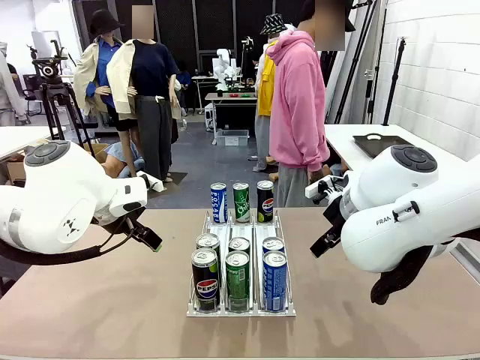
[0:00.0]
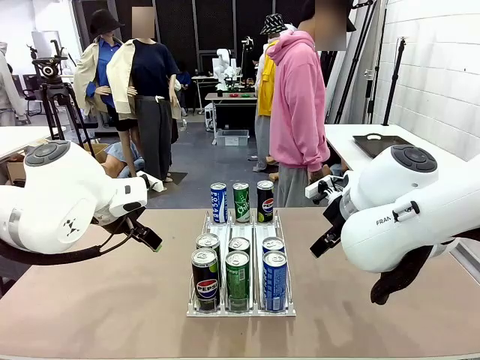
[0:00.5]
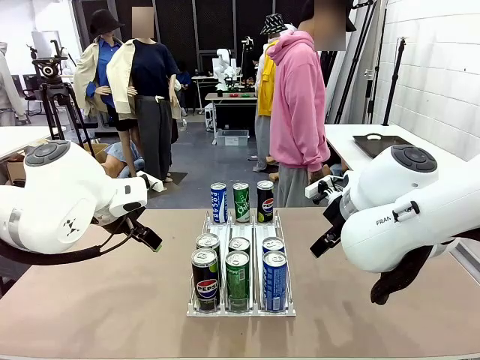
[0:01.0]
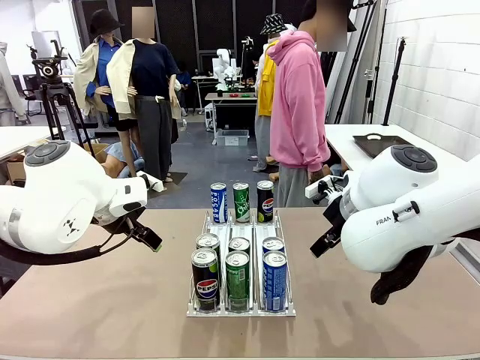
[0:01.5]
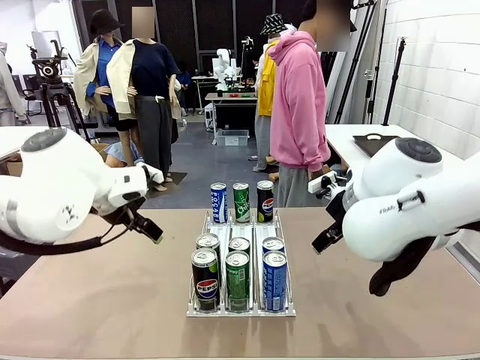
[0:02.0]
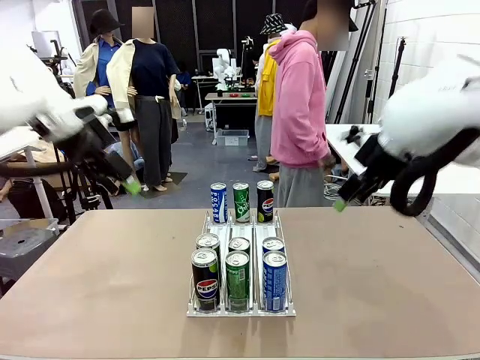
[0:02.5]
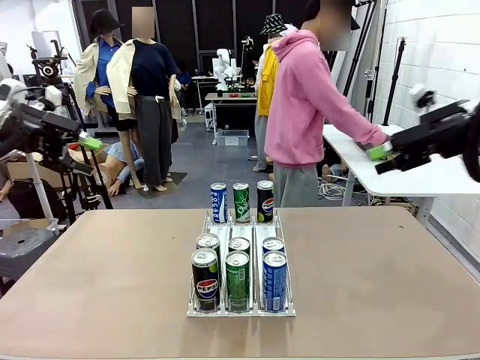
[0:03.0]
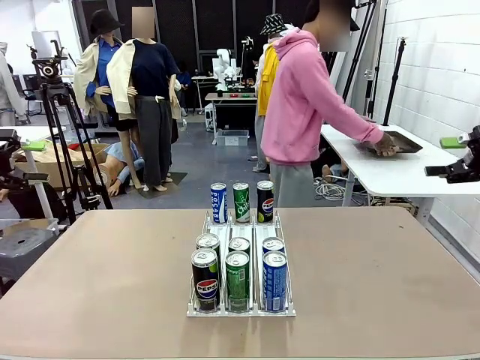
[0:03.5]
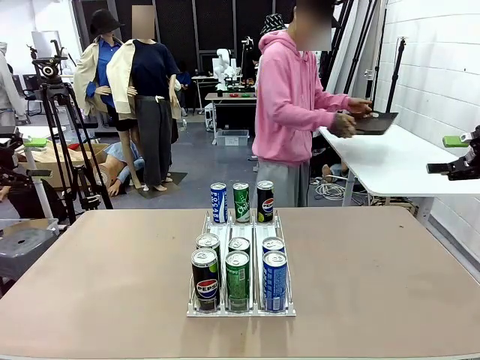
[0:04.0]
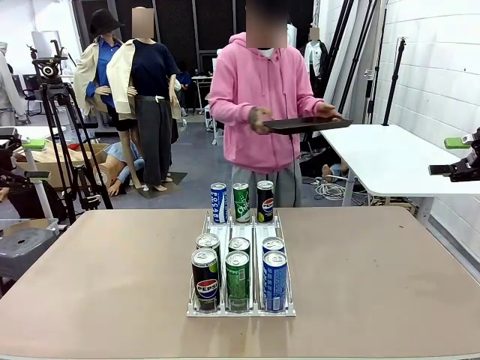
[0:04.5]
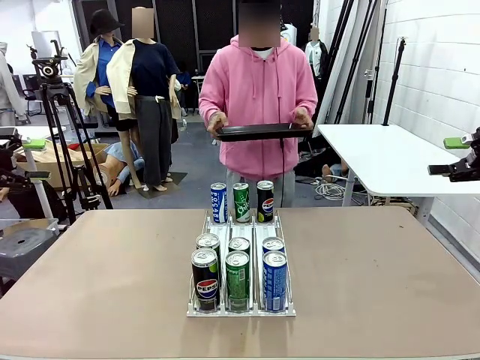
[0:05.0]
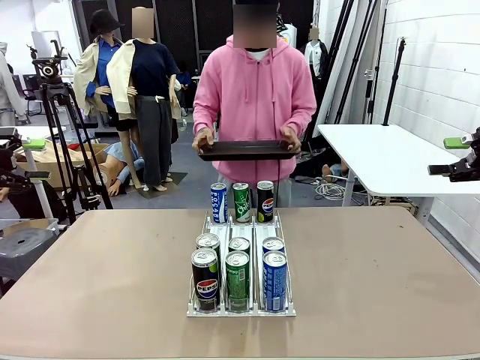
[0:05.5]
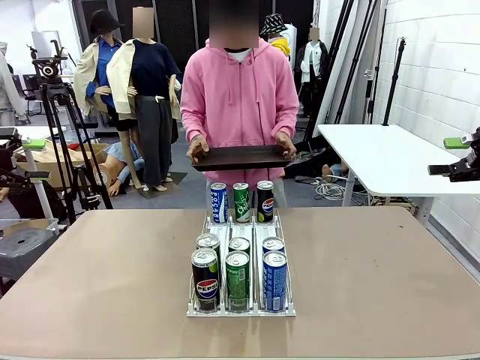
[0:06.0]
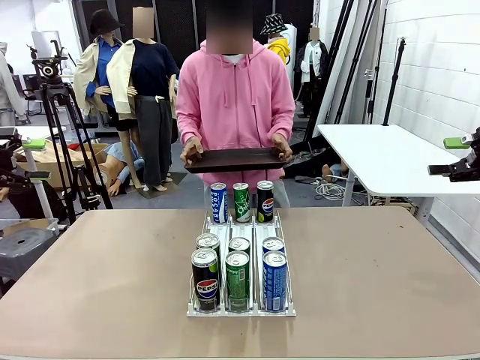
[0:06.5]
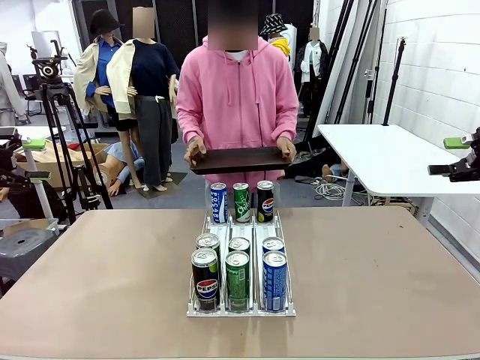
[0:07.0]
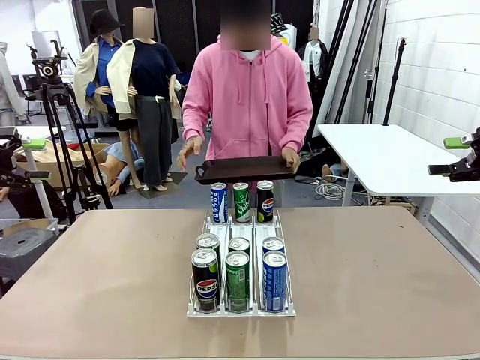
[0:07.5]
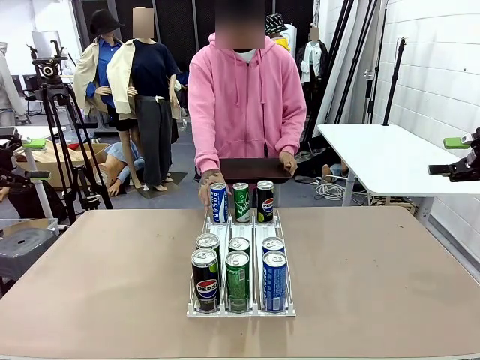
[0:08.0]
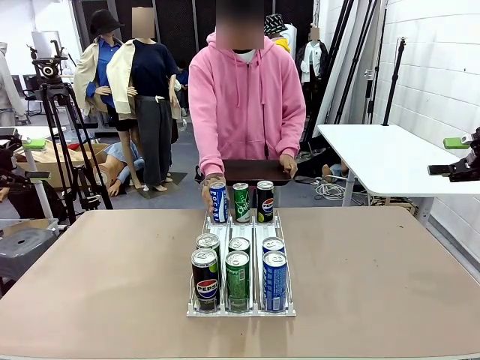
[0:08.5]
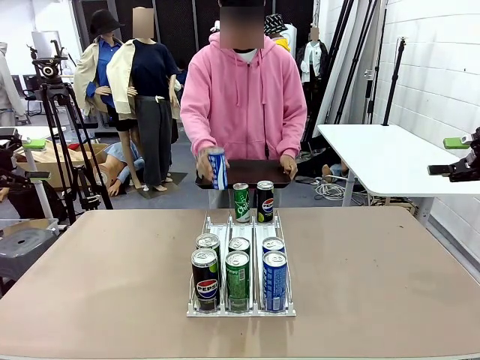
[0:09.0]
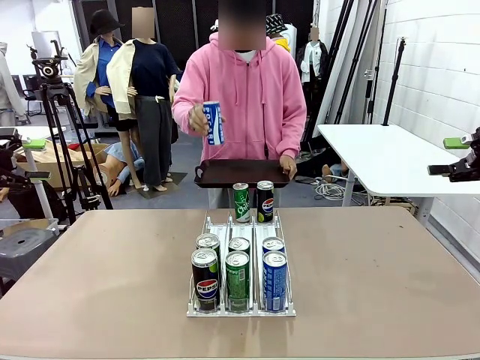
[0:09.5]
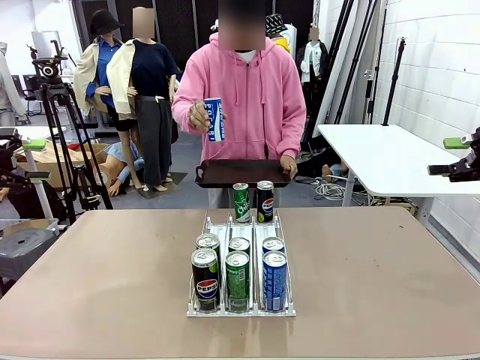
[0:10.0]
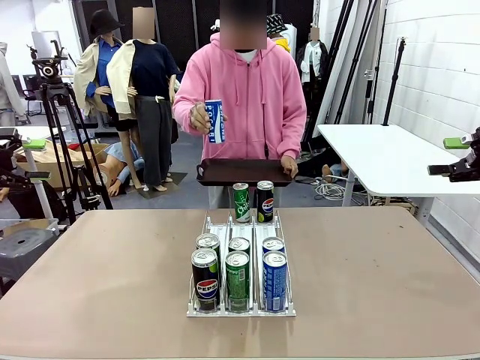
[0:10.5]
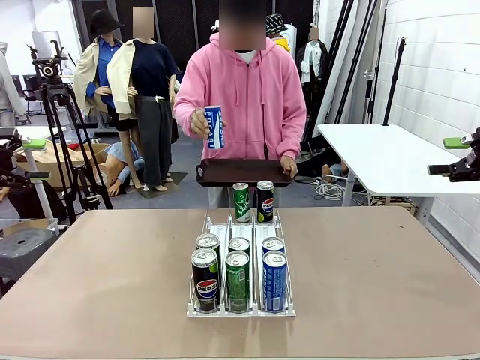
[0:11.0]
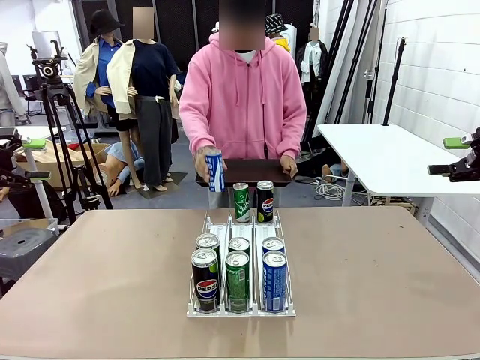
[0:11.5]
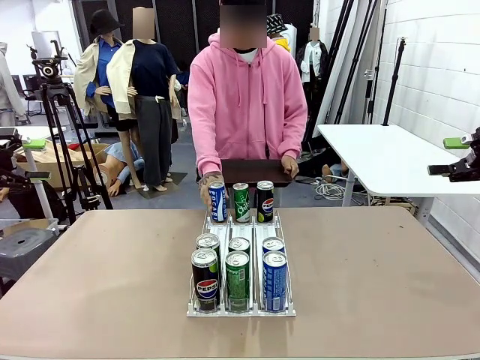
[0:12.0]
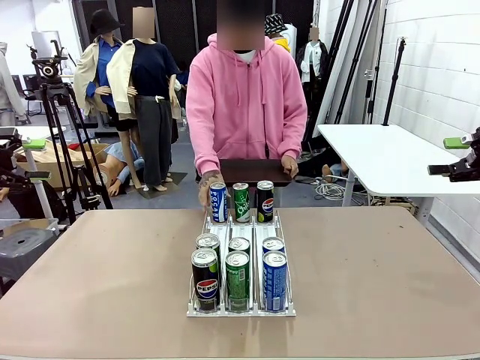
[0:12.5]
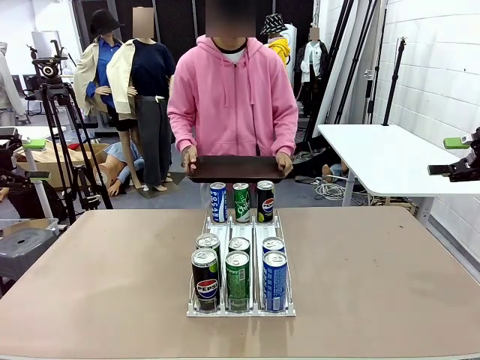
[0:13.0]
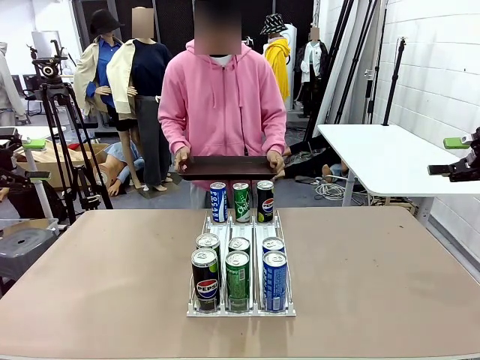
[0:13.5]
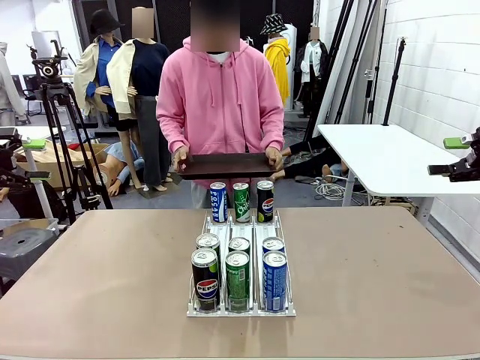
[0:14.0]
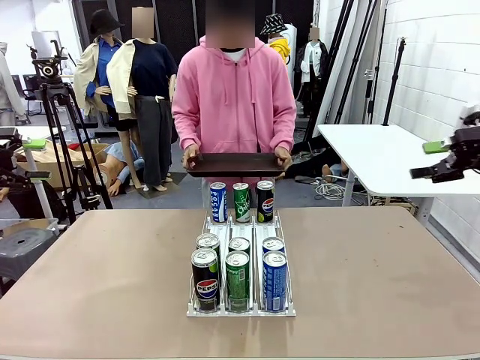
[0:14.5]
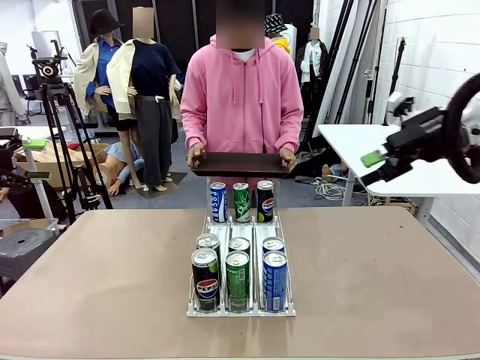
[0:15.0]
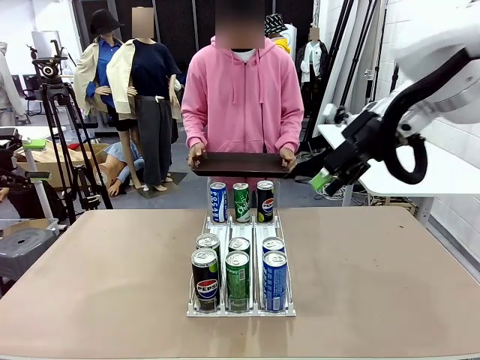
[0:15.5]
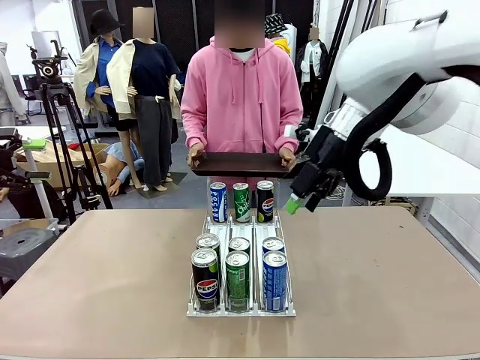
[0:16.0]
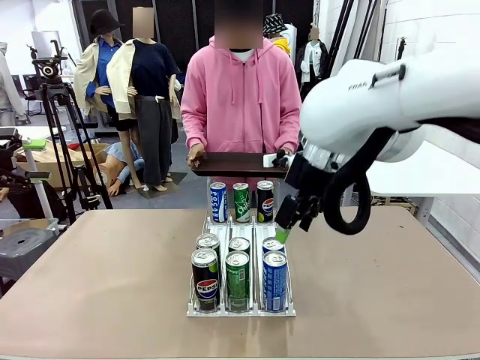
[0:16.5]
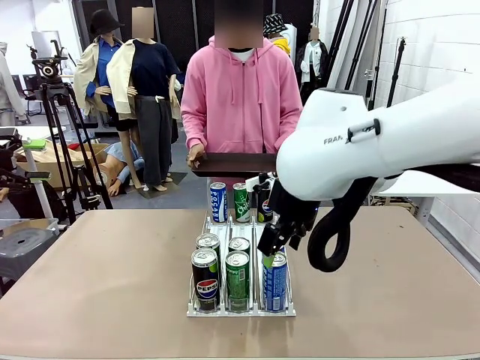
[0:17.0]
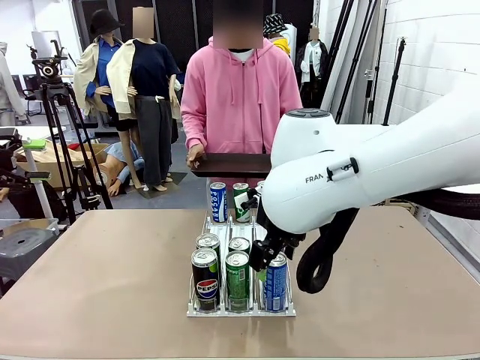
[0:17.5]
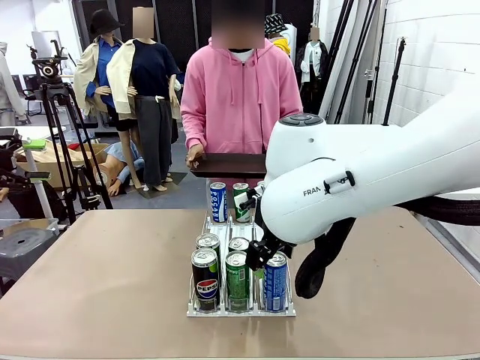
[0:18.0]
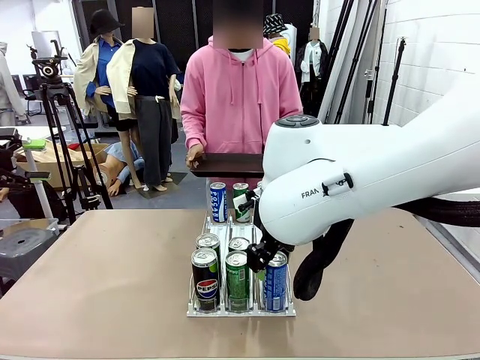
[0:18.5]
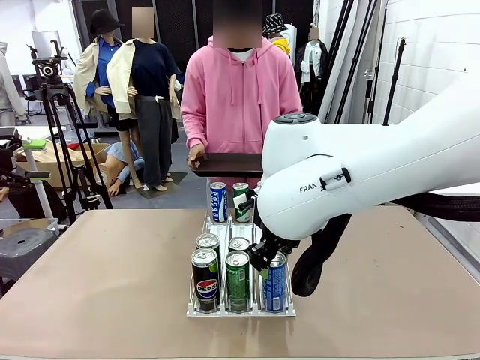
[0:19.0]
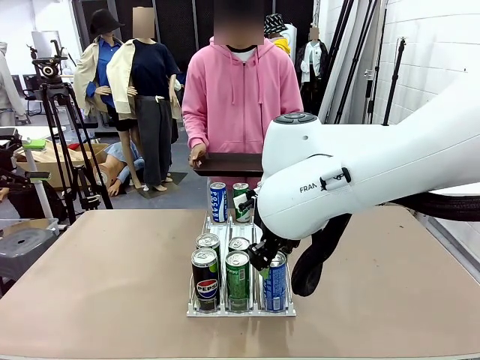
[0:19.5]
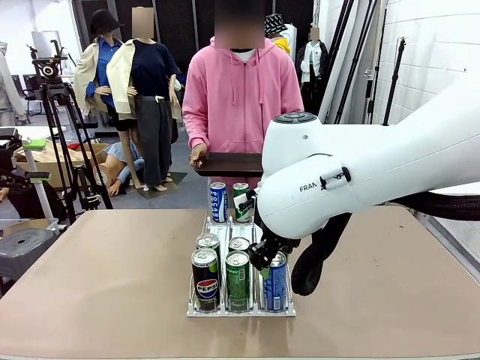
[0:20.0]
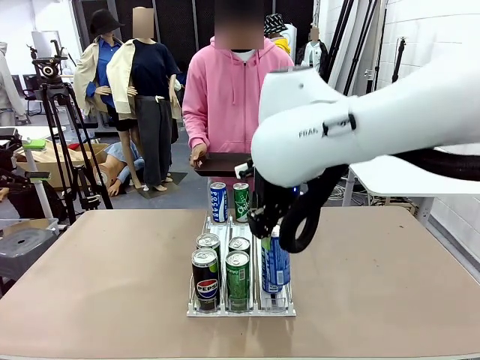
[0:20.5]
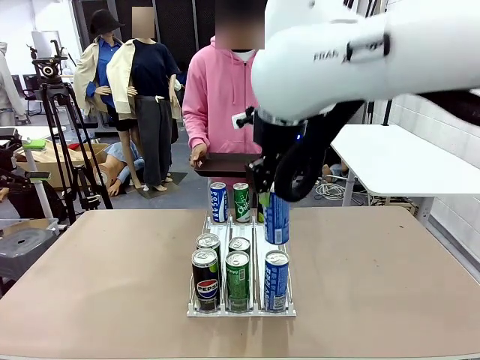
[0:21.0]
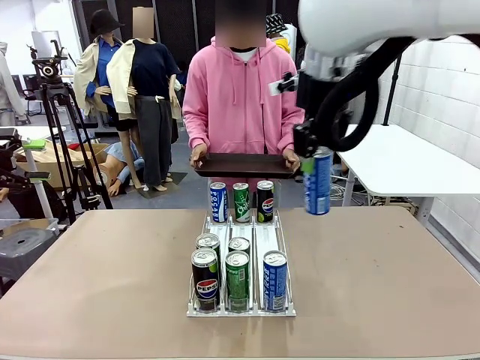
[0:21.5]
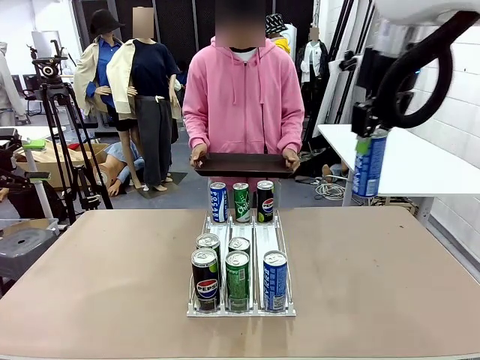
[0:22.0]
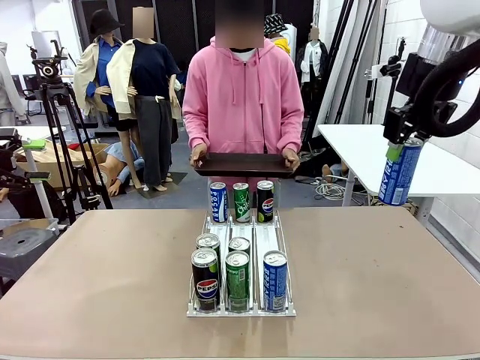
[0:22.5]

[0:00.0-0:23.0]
Task: Retrieve and hand over the desired beverage to the person.
Robot: Pick up a can of the same type that the person held from the Automatic Can Dispenser.
Person: Hold the tray and position yourself in front of the robot table. Pick up one can from the bottom area of the table and puts it back in its original place. Push the tray toward the robot.

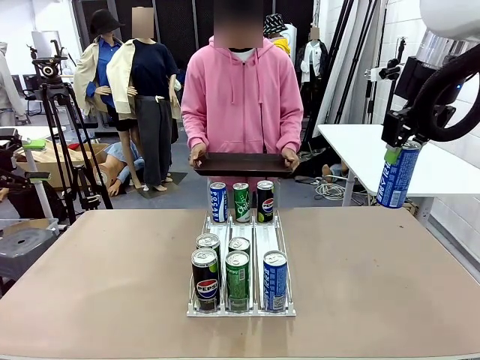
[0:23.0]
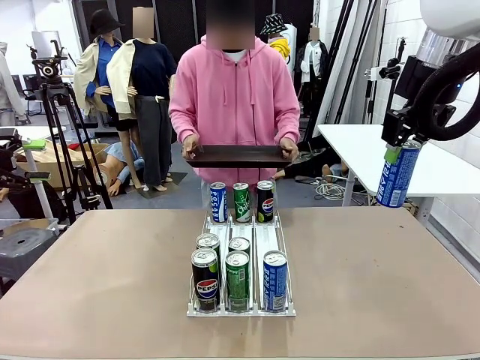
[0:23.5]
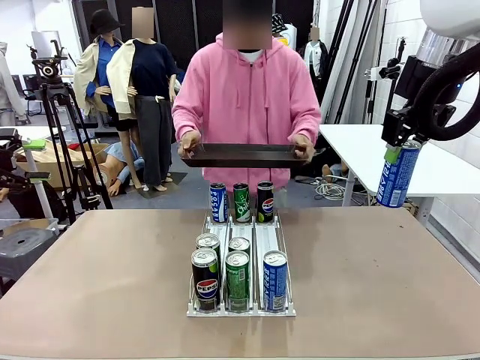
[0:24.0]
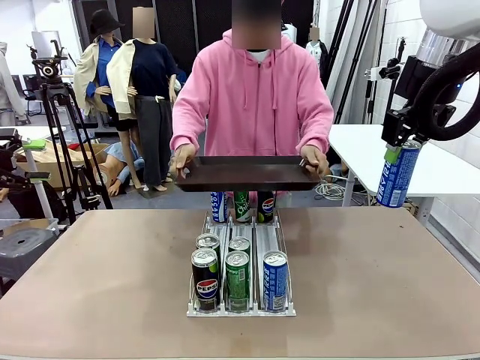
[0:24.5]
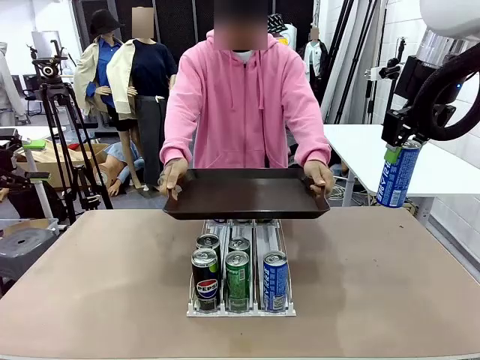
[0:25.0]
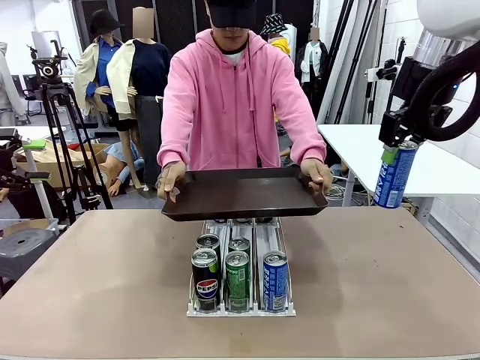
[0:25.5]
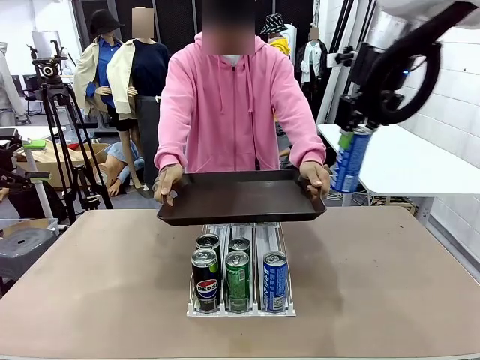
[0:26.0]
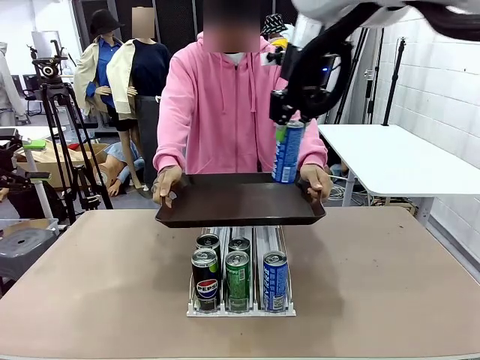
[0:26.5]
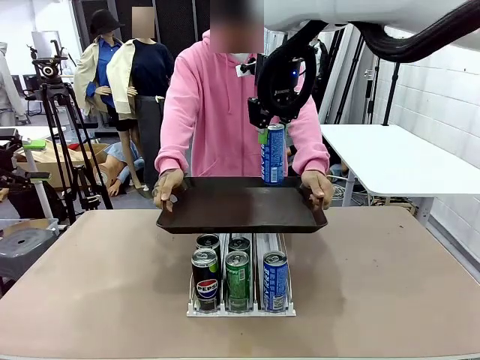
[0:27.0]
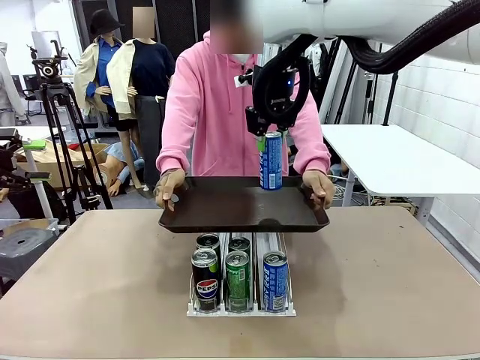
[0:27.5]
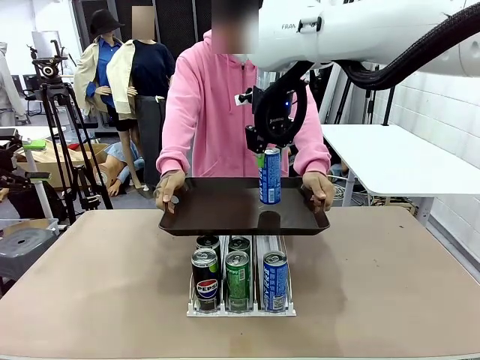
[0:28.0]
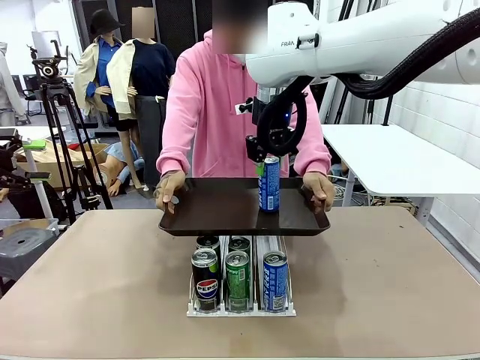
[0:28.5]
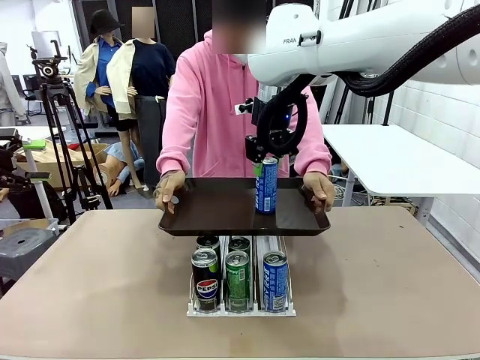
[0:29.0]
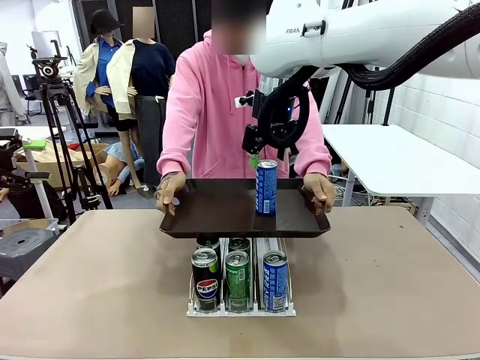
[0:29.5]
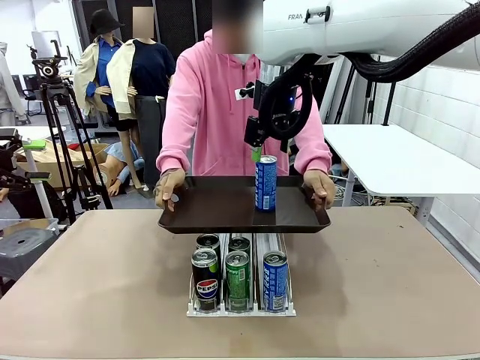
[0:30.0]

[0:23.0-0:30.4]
Robot: Place the picked can on the Handle tray extended by the person.
